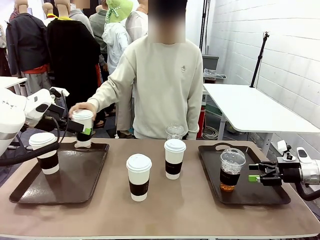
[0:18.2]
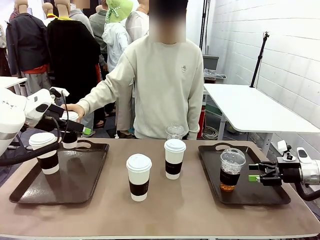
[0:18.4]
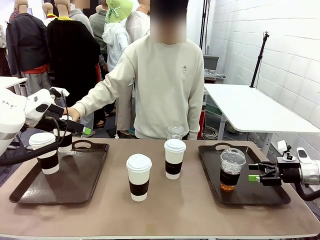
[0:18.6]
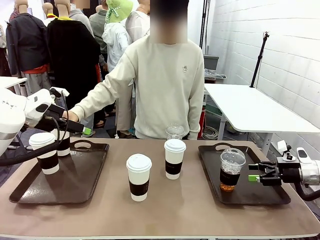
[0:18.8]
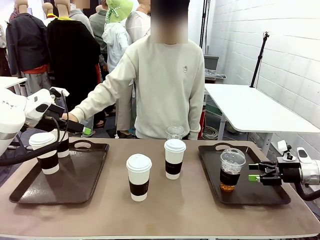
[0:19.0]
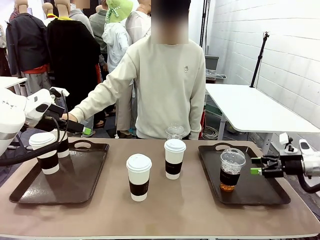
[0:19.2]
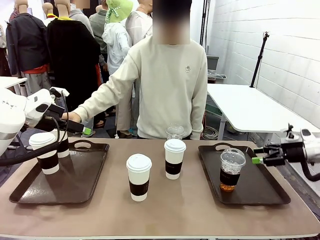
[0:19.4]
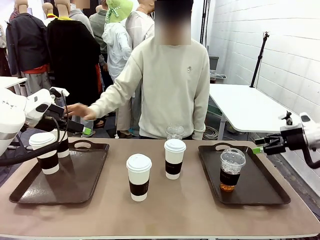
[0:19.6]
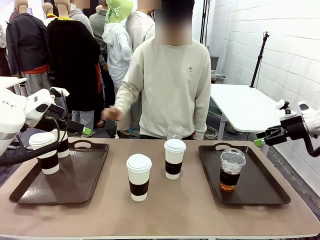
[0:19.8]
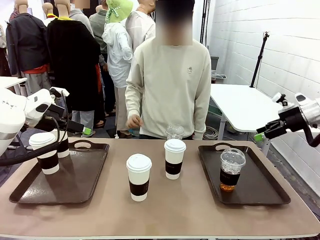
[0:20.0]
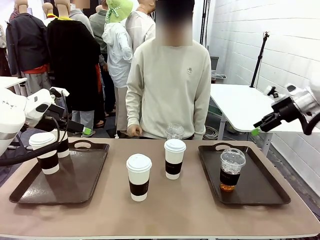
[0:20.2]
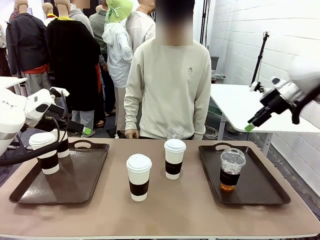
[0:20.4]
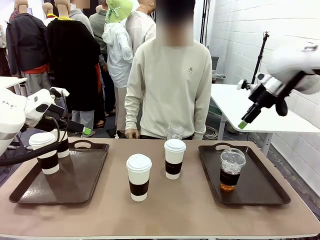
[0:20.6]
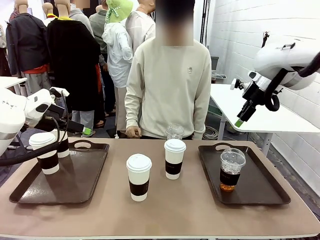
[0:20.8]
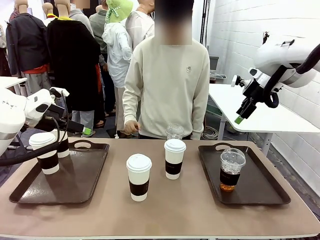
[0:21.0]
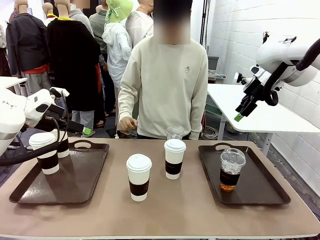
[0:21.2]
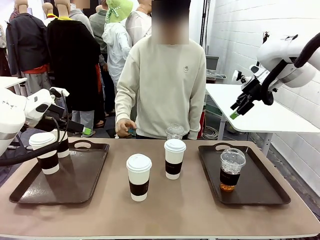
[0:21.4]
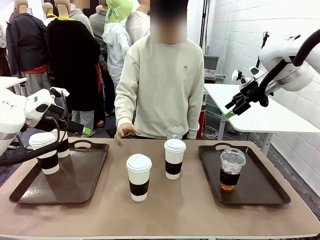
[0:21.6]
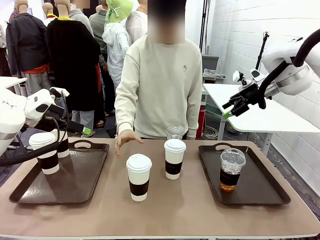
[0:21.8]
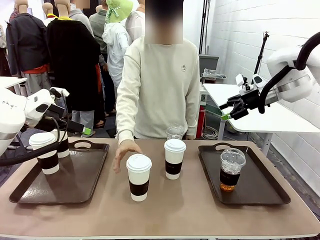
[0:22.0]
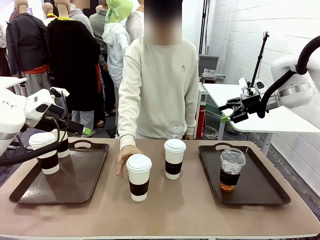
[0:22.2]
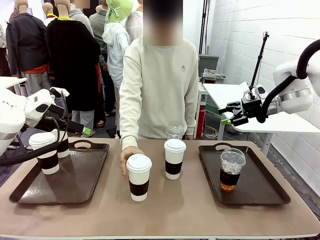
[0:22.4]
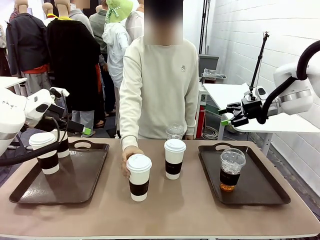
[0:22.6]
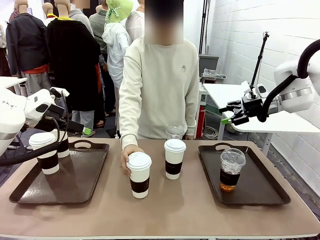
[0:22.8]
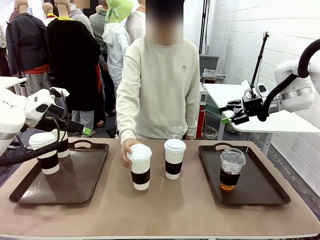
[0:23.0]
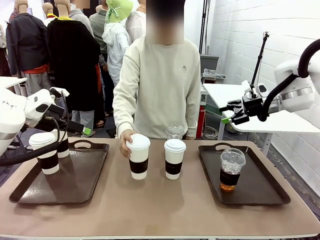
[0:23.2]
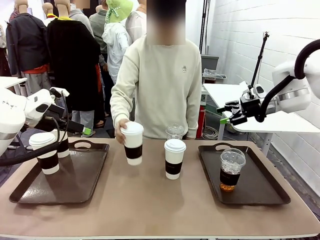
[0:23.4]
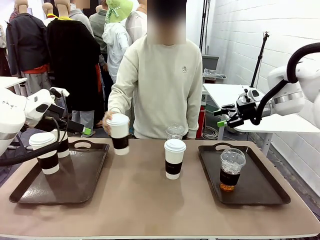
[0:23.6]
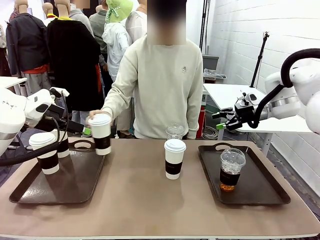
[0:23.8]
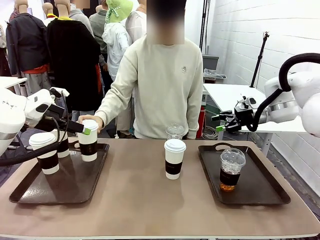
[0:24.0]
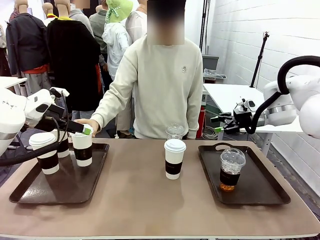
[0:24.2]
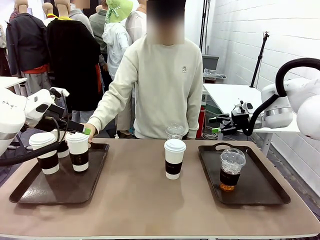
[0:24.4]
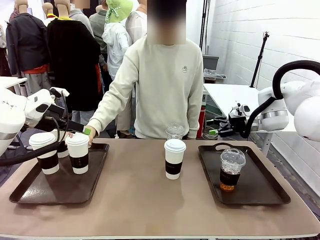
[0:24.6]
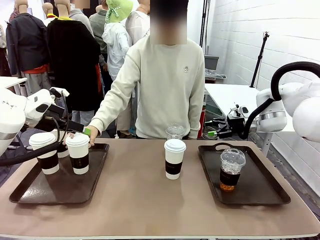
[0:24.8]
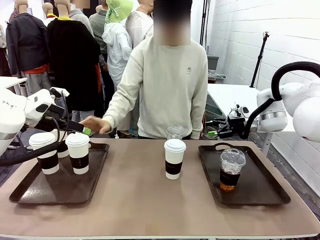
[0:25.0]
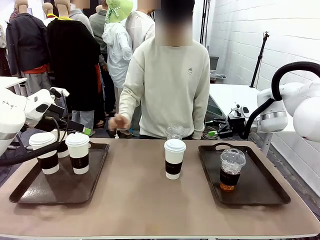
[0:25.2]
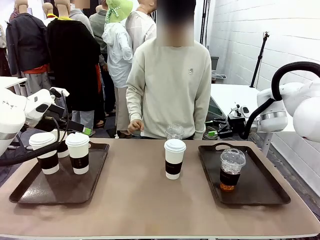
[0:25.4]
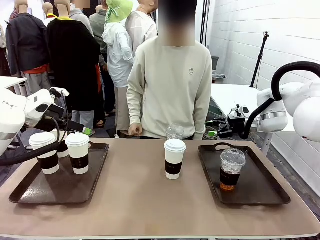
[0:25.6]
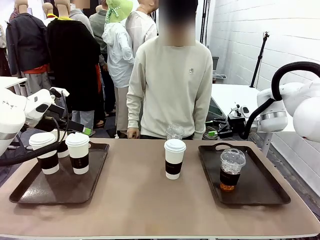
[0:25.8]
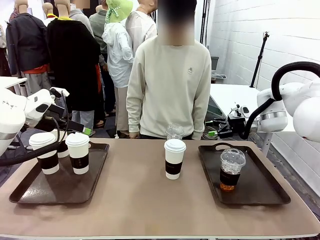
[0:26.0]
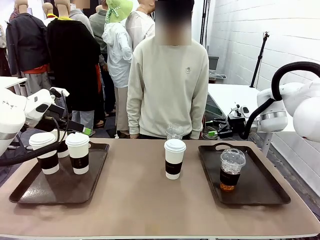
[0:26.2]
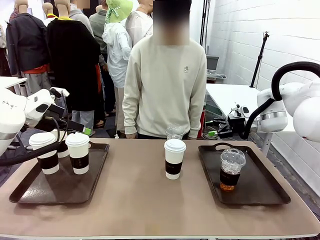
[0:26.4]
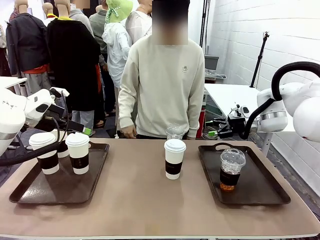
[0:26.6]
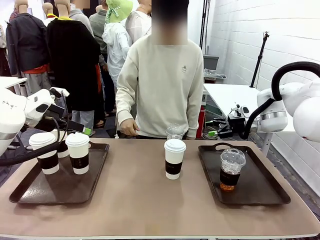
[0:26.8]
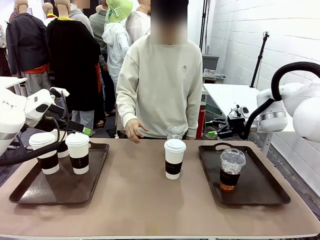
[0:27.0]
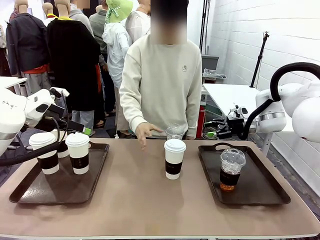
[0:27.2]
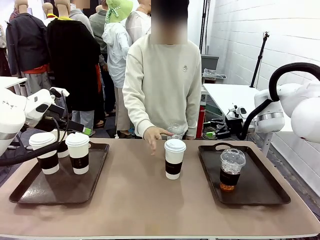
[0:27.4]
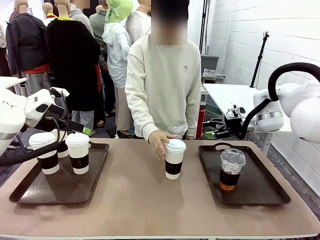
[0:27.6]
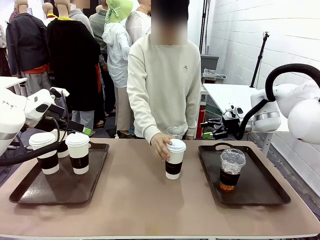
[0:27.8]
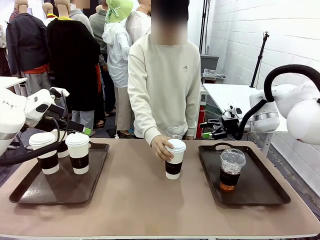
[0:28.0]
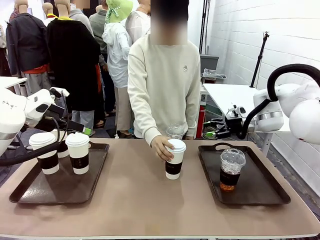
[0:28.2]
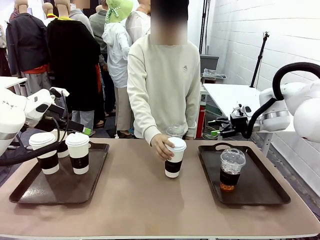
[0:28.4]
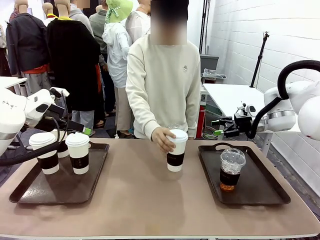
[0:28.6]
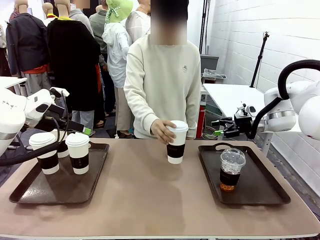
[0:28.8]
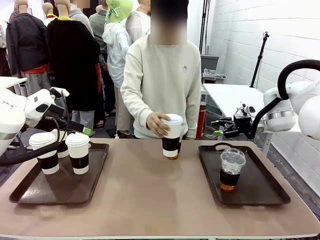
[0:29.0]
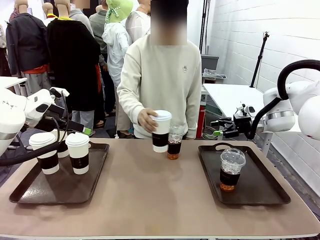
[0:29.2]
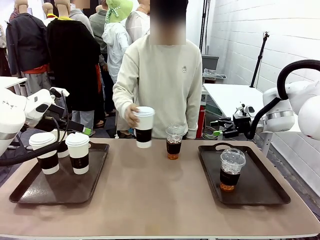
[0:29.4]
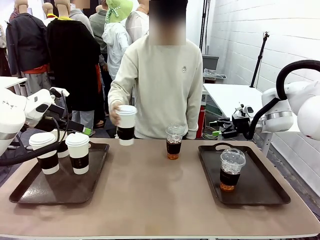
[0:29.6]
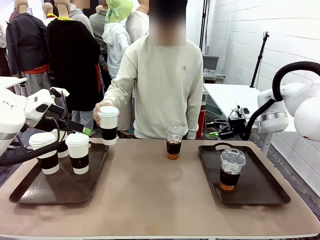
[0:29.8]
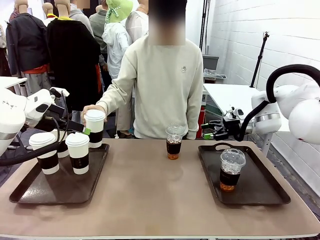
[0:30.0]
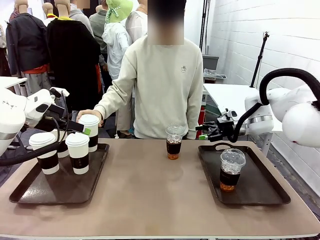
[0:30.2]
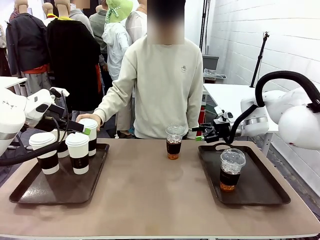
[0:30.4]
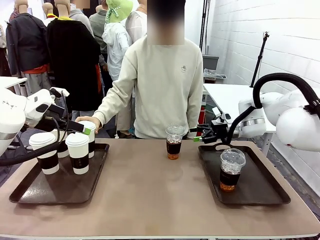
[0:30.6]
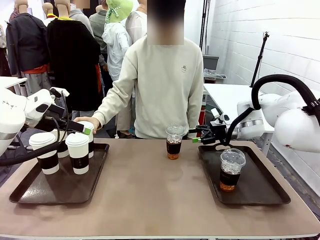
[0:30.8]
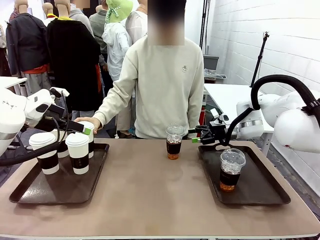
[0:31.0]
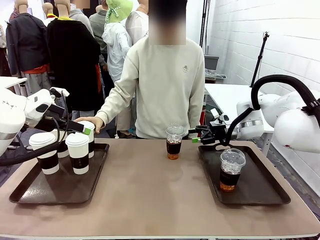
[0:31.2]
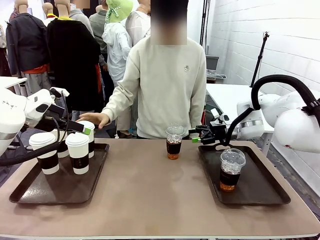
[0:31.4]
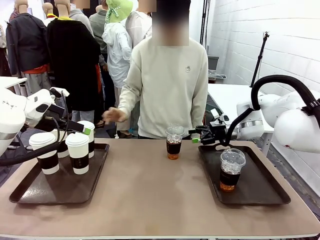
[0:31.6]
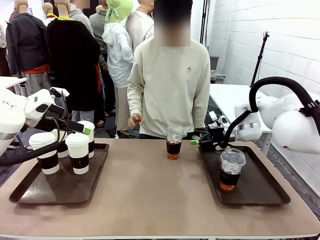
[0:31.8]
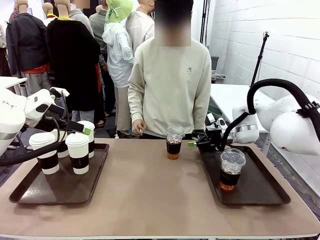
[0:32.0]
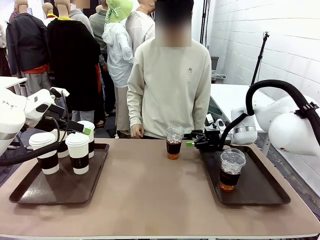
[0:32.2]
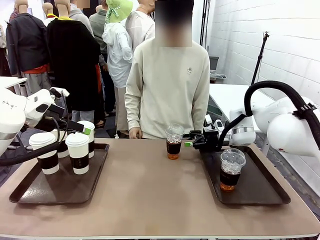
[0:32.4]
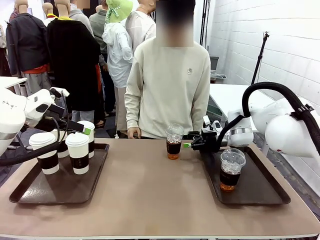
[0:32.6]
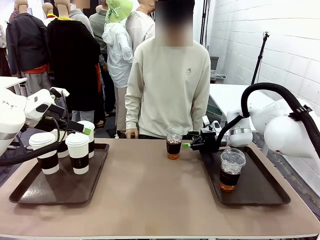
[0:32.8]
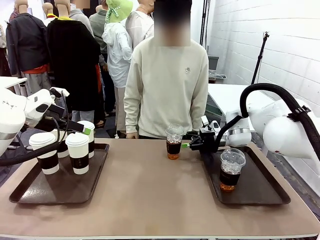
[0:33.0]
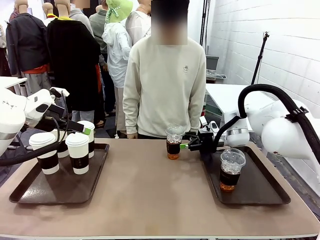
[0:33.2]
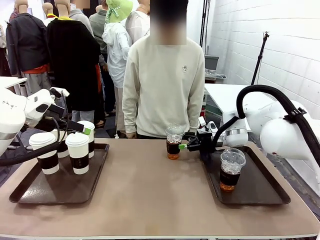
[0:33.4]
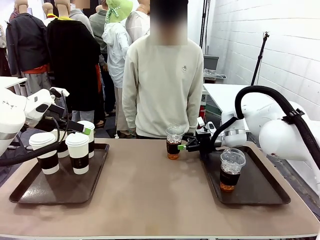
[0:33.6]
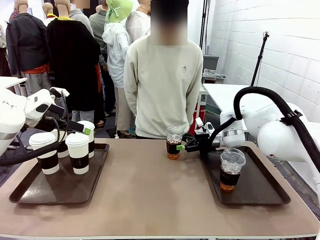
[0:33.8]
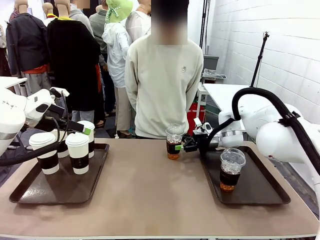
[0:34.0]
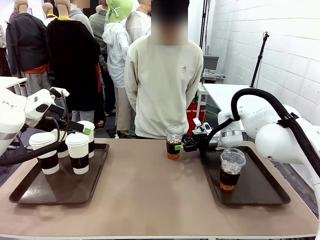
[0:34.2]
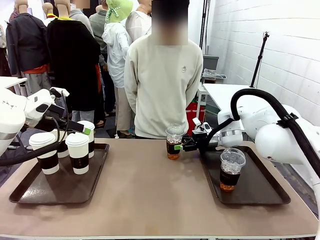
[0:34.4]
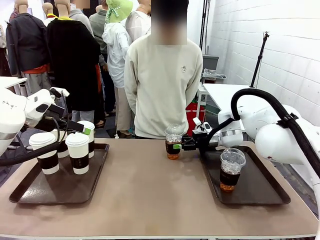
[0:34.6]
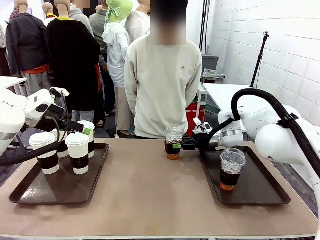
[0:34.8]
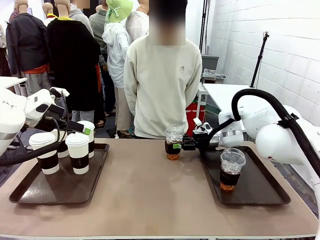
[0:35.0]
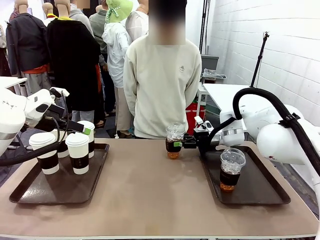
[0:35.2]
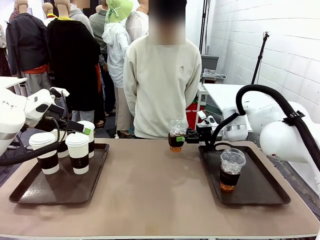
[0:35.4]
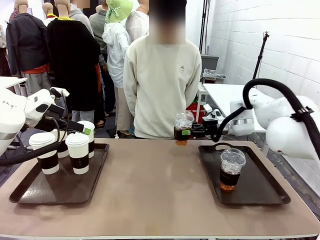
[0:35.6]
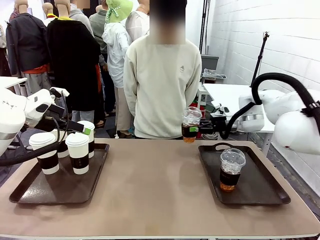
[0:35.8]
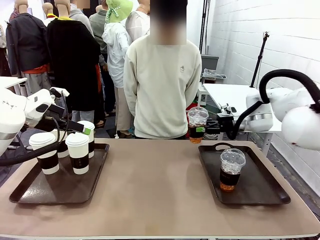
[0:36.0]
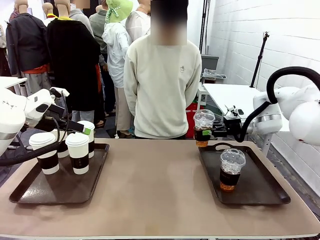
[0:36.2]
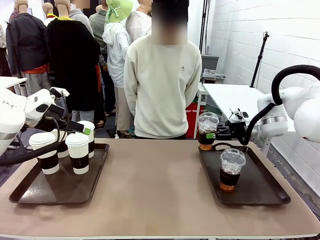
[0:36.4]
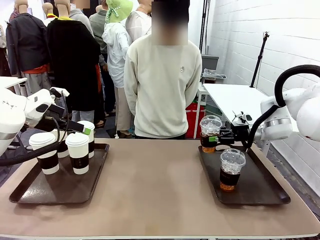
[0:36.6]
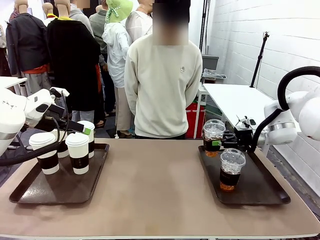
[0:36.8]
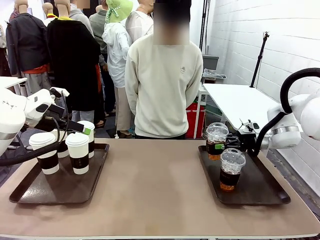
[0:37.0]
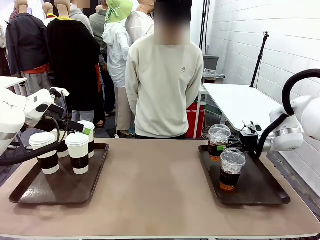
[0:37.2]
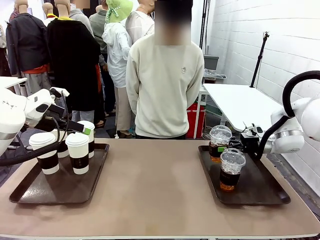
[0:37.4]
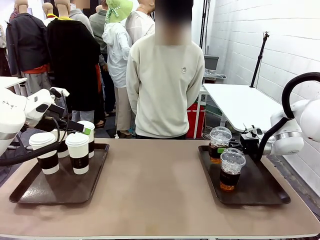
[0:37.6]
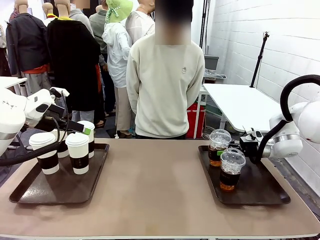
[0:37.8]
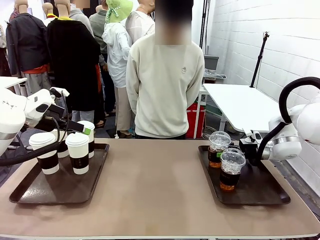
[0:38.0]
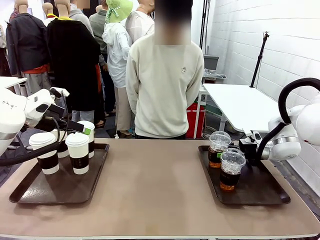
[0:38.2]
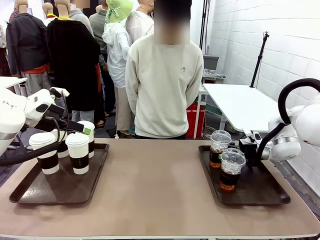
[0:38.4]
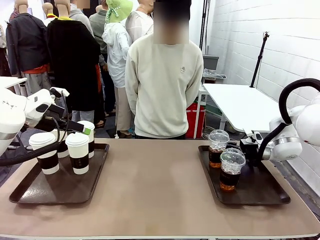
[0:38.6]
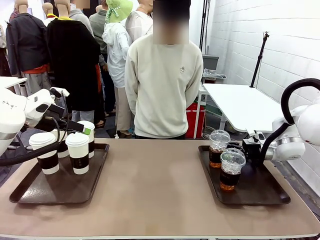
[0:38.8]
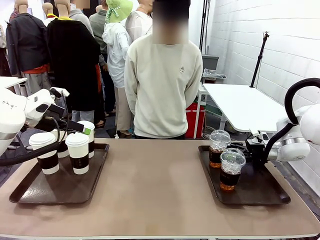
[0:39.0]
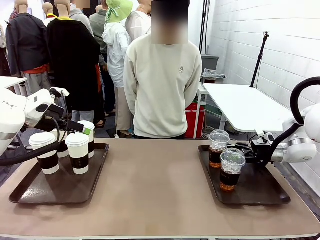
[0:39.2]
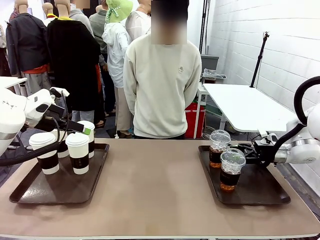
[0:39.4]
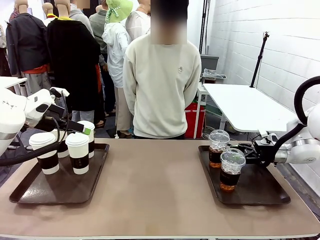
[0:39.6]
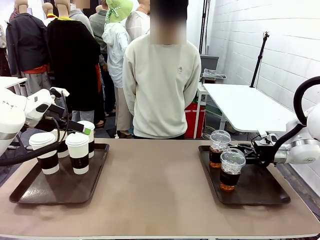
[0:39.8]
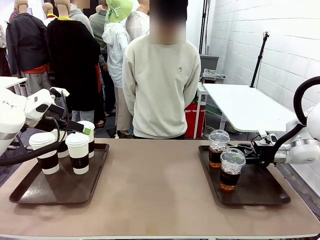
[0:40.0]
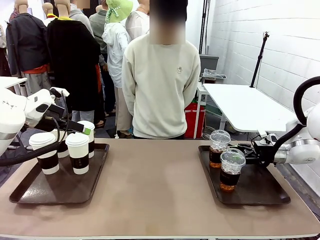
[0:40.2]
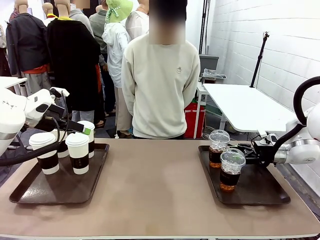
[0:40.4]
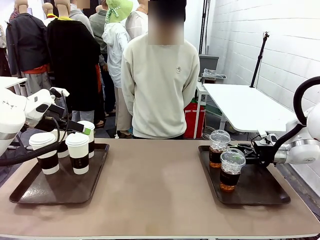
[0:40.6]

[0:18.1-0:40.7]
Task: Distribute the coffee onto the tray.
Robot: Pick up another iced Americano from the middle of the table and place it on the right Handle tray.
Person: Pick up a cup of hot Americano from the middle of the table and place it on the right tray.
